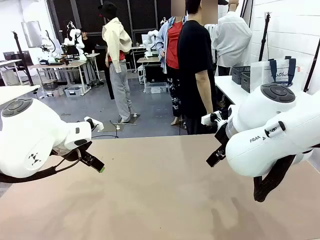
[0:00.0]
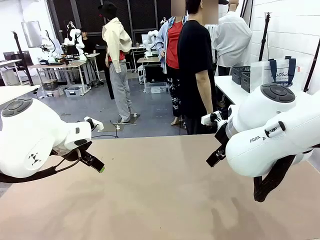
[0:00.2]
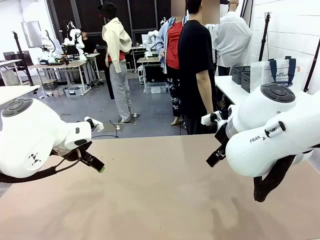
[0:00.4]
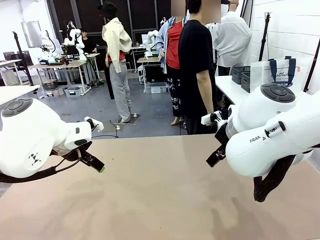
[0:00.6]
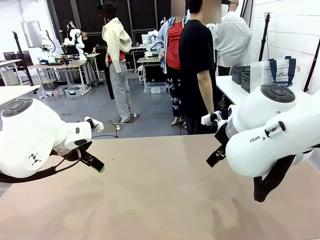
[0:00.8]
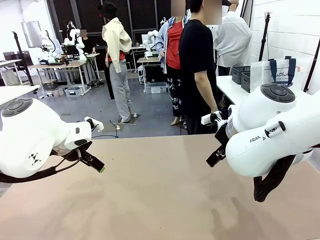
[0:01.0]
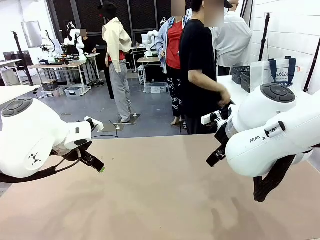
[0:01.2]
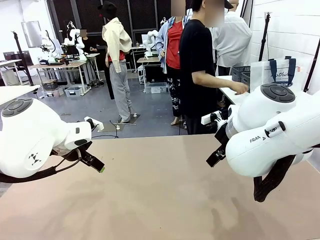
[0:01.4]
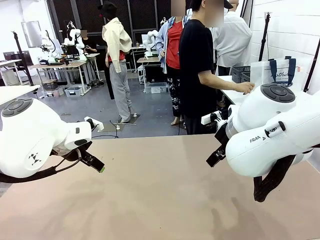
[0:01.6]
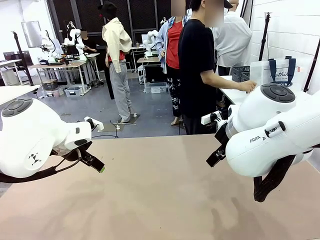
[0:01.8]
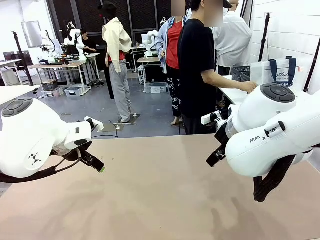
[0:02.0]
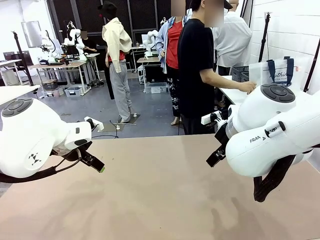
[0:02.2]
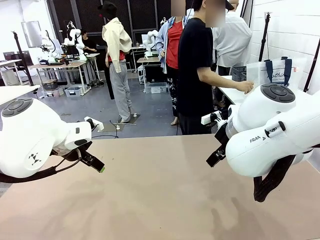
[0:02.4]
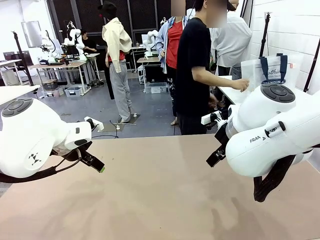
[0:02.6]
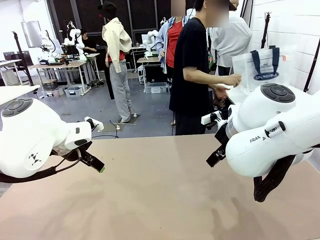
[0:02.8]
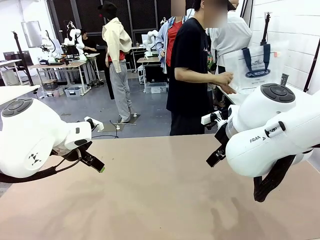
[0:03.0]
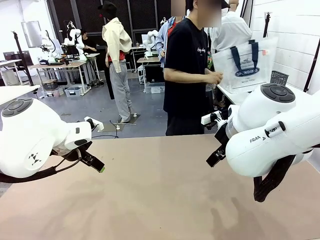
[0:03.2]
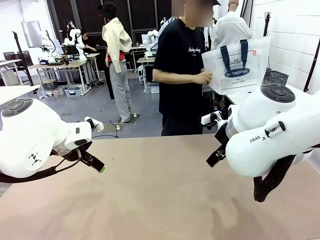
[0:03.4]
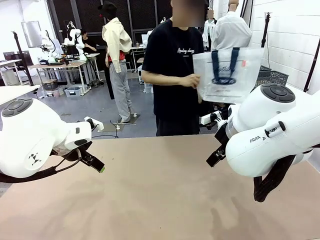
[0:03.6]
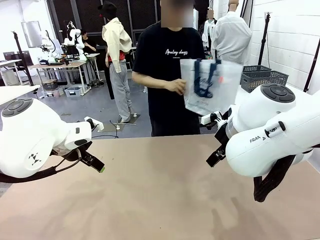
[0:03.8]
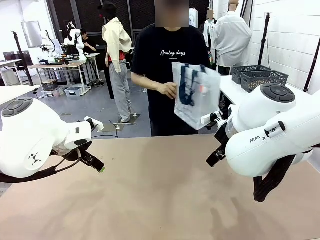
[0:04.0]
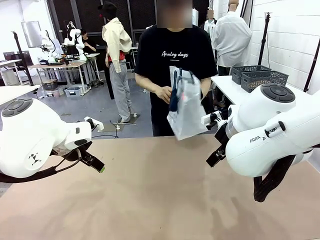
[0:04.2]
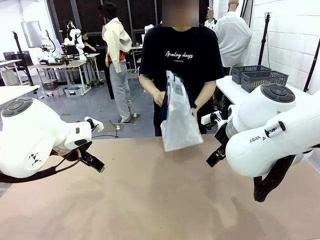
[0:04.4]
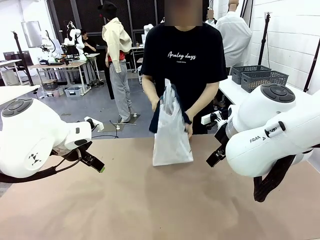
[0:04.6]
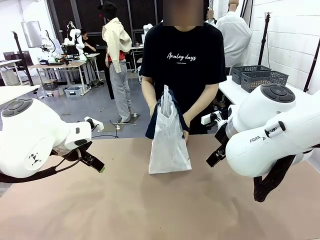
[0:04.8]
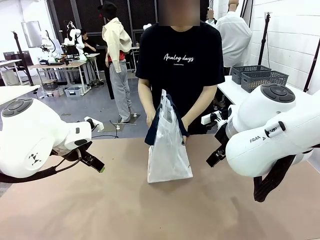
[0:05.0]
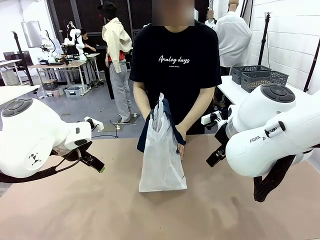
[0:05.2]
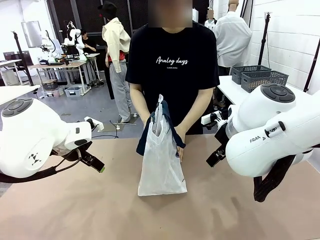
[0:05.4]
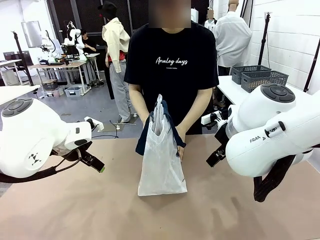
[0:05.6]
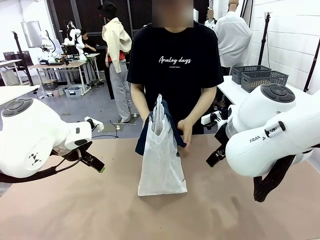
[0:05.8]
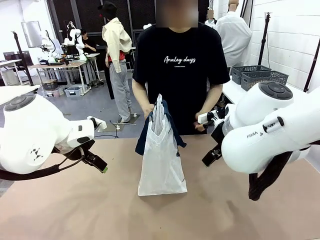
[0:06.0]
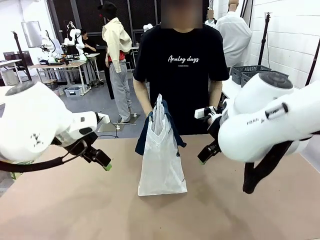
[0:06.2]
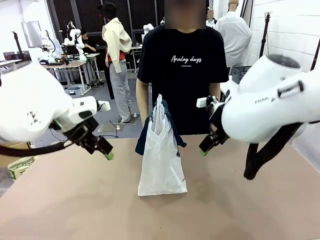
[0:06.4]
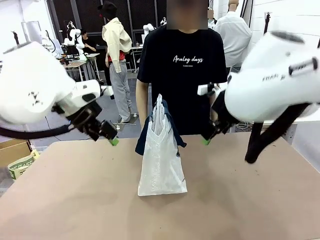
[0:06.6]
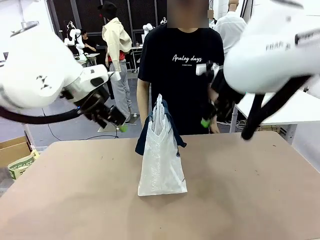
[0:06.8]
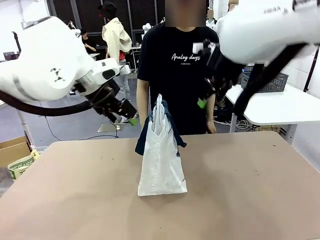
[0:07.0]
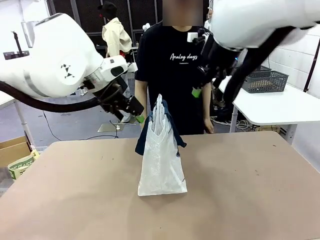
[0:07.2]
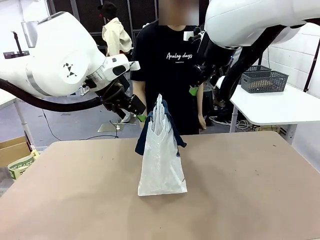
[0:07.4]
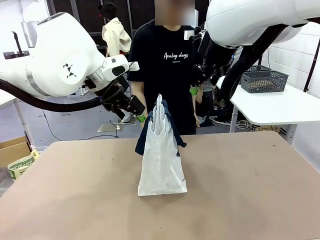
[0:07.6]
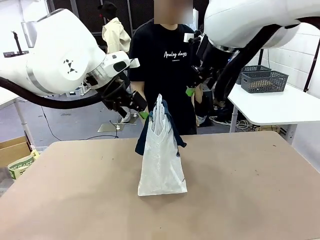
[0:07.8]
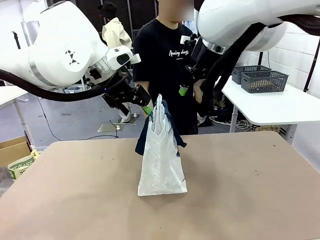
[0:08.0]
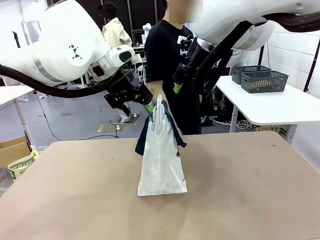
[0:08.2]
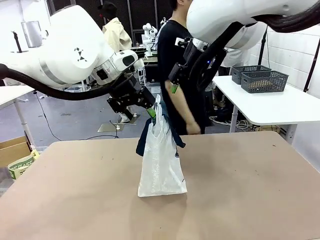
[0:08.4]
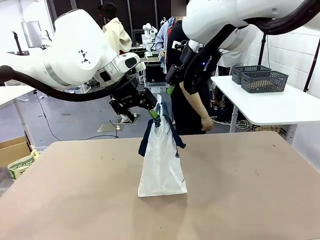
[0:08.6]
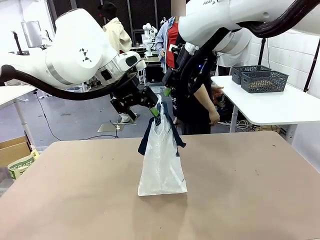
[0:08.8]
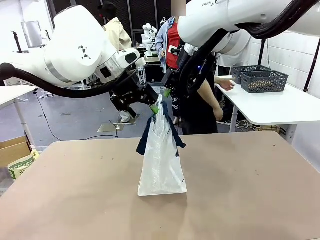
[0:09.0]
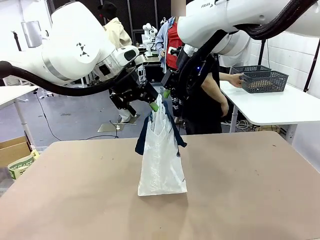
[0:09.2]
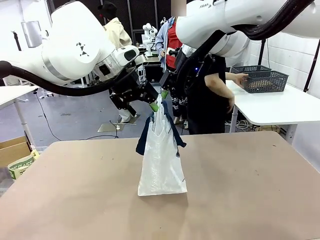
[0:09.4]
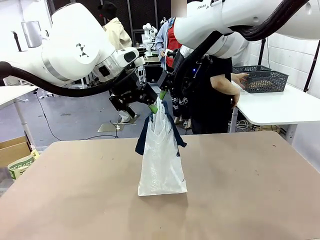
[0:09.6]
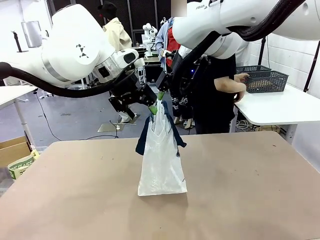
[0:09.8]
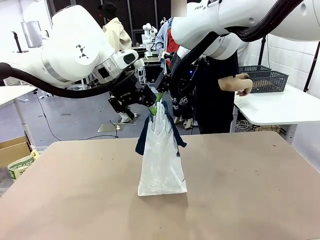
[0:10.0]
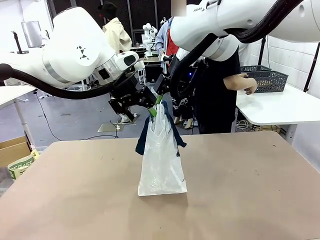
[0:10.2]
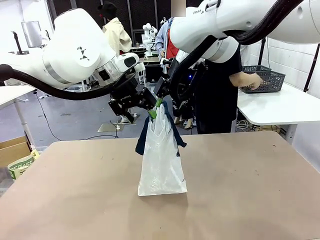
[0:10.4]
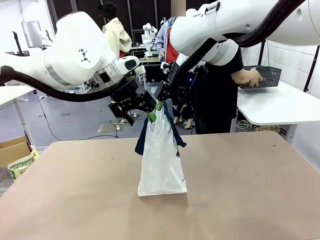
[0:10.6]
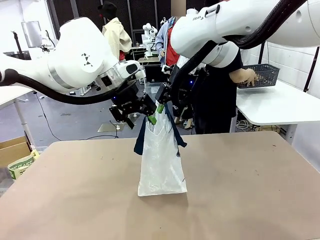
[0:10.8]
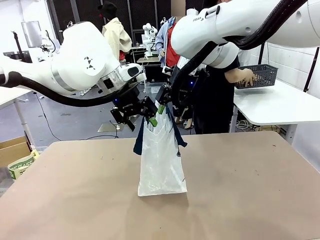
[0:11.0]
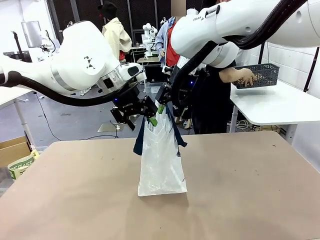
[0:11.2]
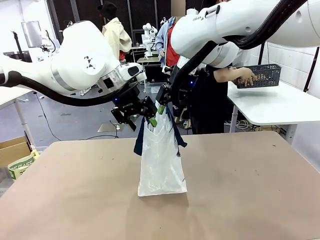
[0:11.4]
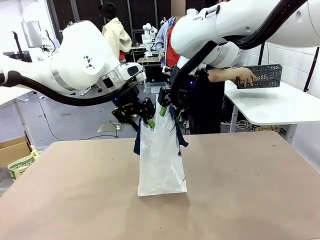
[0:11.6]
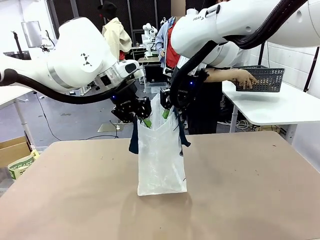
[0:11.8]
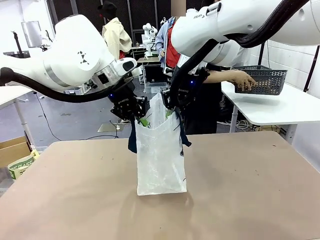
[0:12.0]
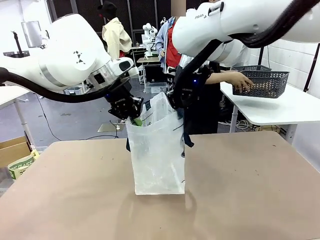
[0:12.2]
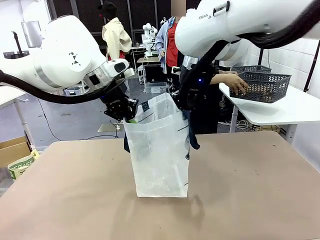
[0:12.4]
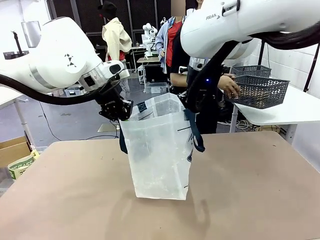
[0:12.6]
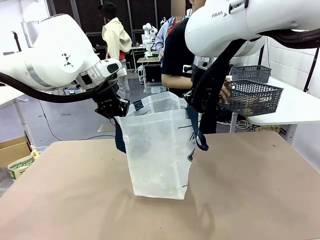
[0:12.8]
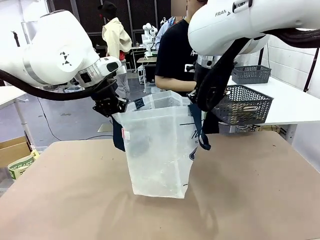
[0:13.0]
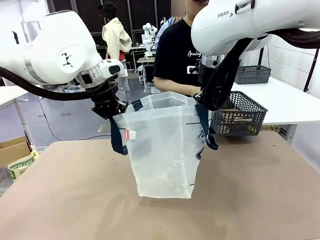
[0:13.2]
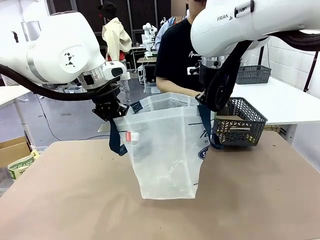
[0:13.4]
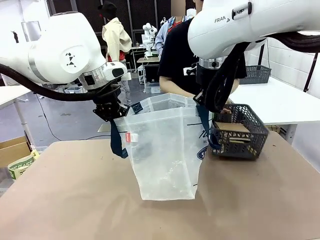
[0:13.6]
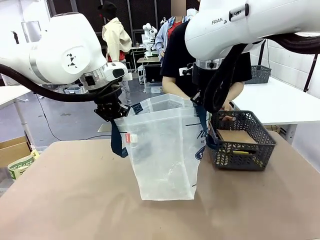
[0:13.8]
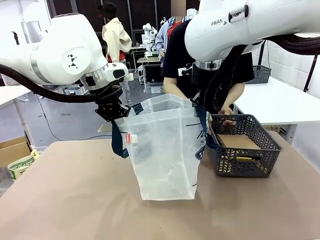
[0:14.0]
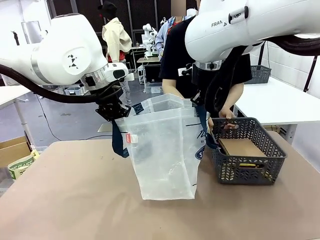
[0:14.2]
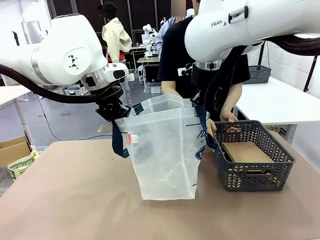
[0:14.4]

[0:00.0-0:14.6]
Task: Transfer purchased items from the store into the shopping bag.
Robot: Open the Reusable shopping bag in the center of the table.
Person: Pick up the shopping bag and place it in the middle of the robot table.
